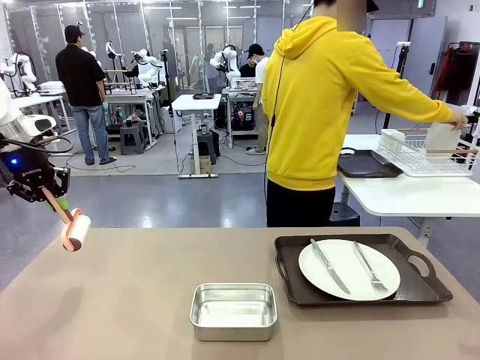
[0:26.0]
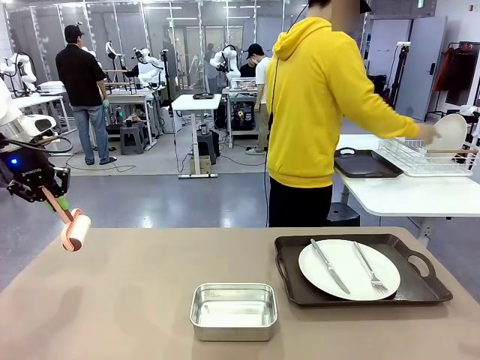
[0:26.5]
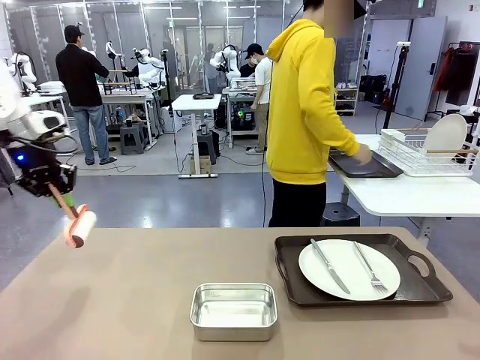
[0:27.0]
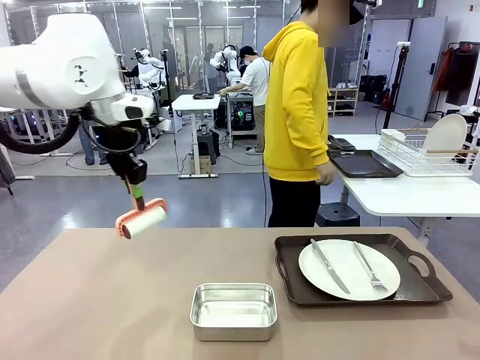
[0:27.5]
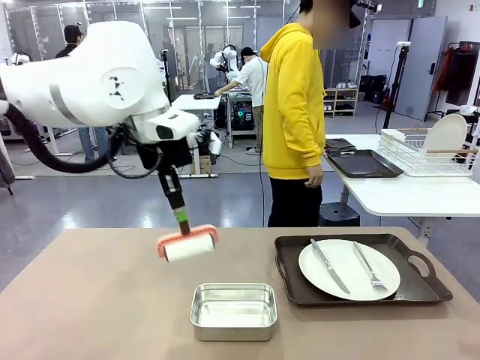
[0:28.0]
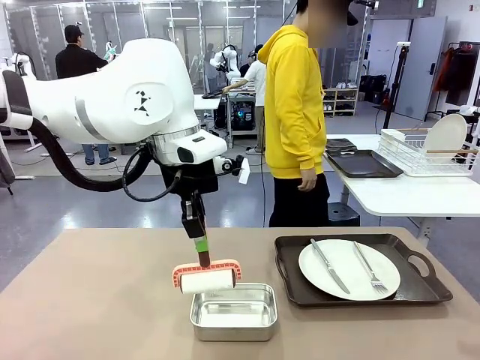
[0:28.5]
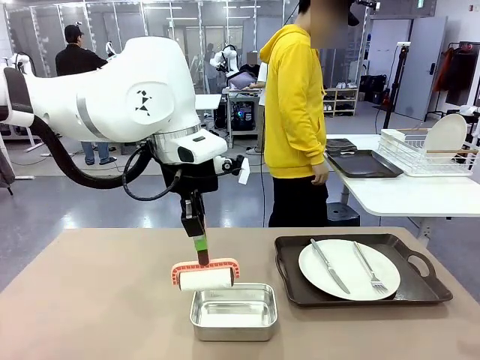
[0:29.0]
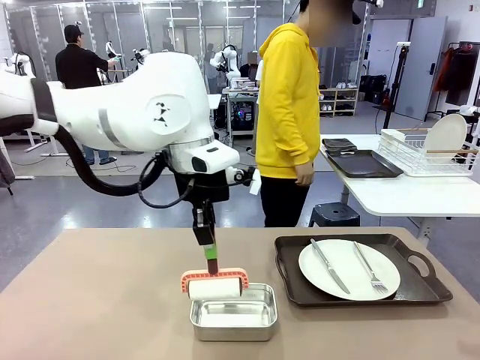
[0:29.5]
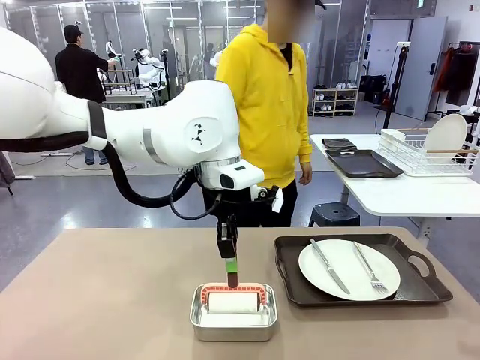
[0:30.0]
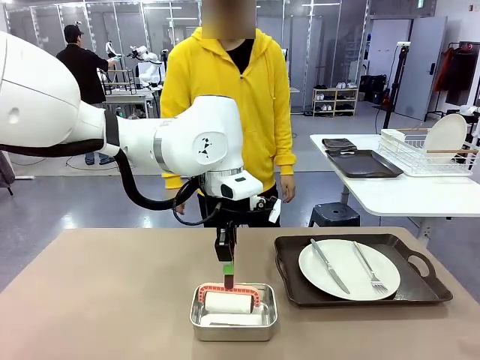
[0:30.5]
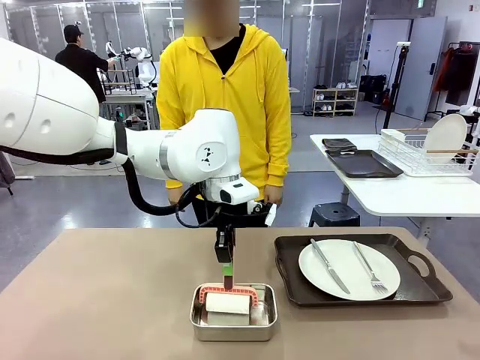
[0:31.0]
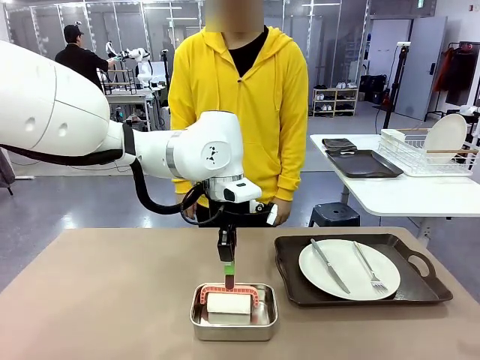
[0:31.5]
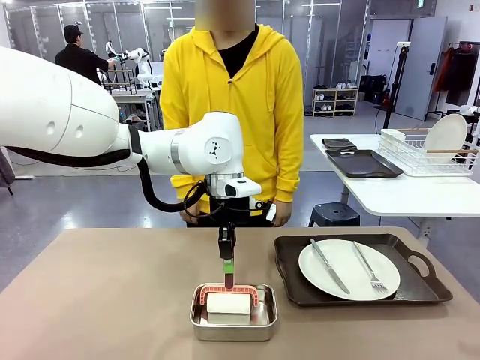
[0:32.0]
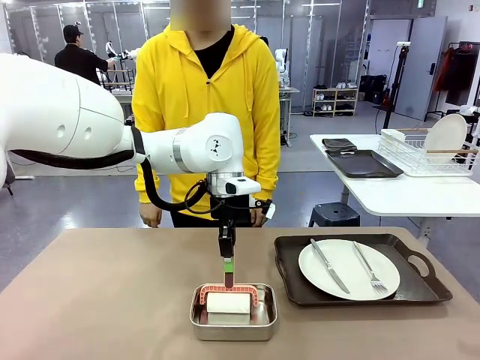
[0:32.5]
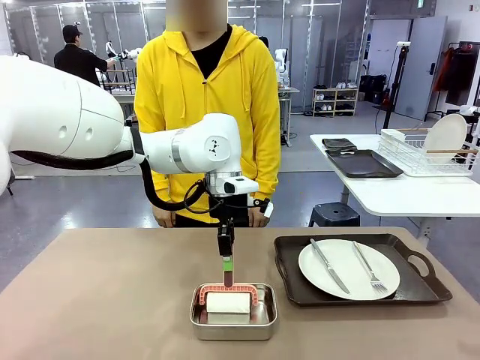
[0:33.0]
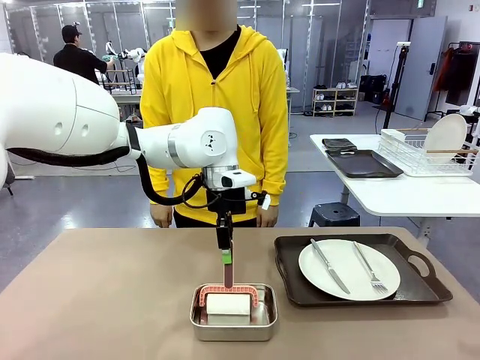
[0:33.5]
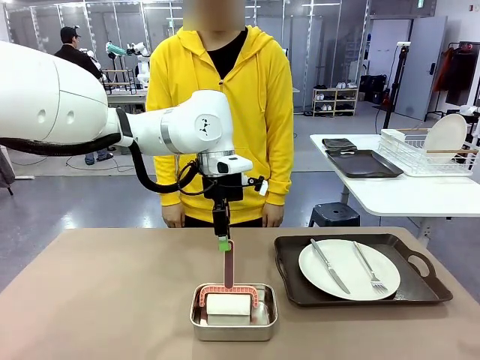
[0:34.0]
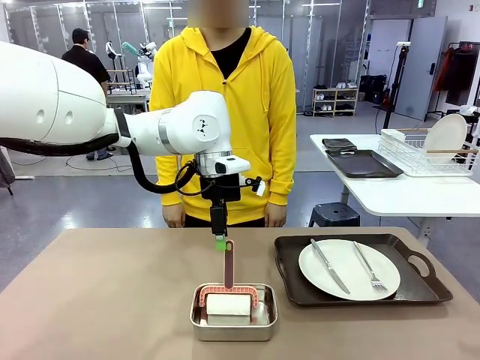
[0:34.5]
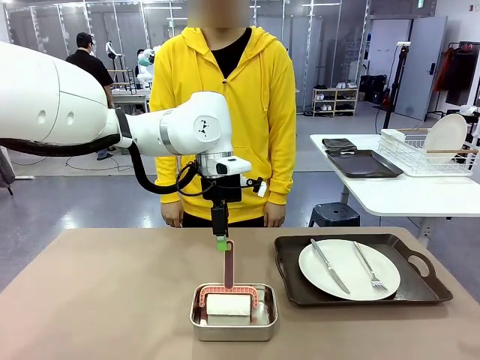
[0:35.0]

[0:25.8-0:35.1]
Robot: Place the Lint Roller back on top of the Airtight Container.

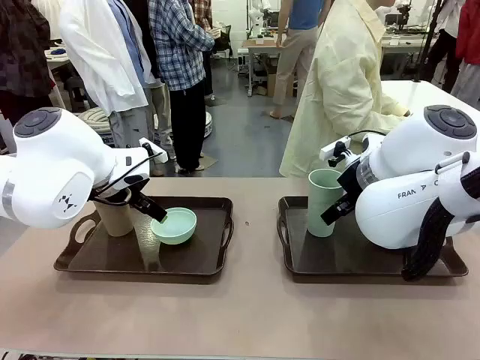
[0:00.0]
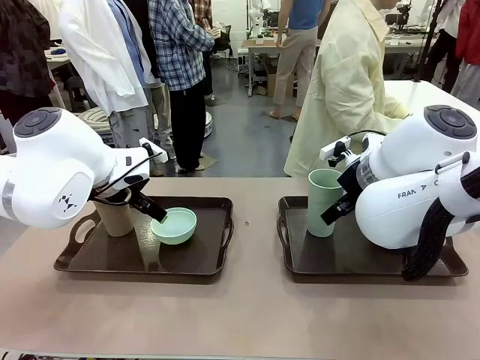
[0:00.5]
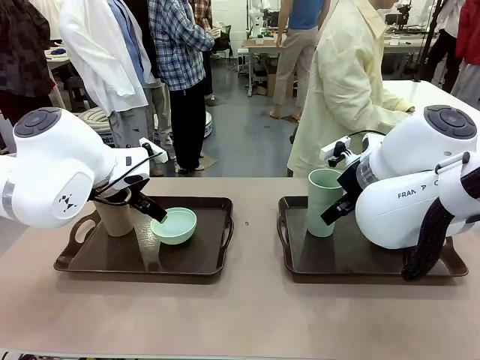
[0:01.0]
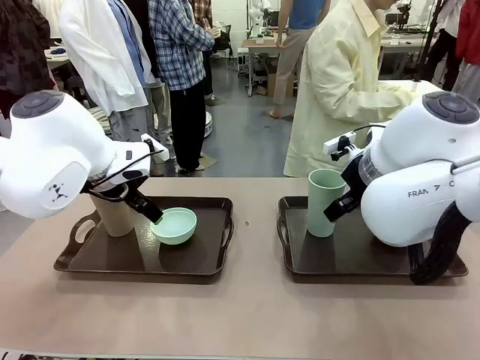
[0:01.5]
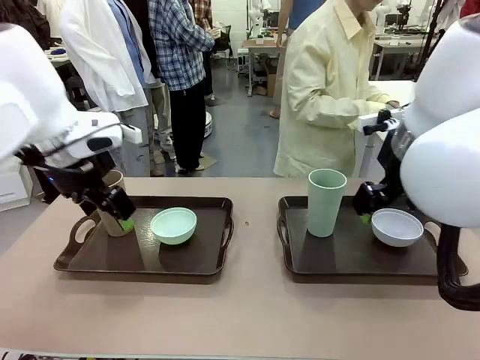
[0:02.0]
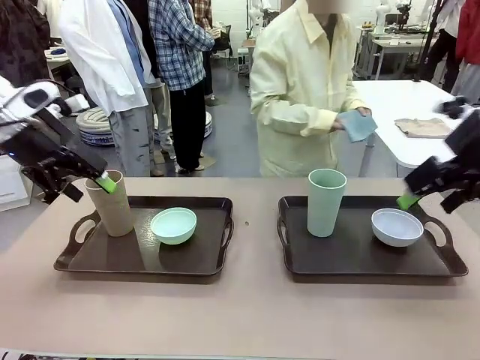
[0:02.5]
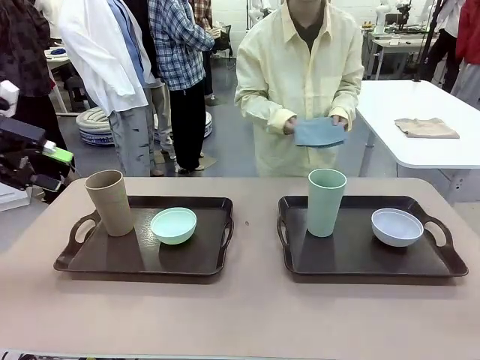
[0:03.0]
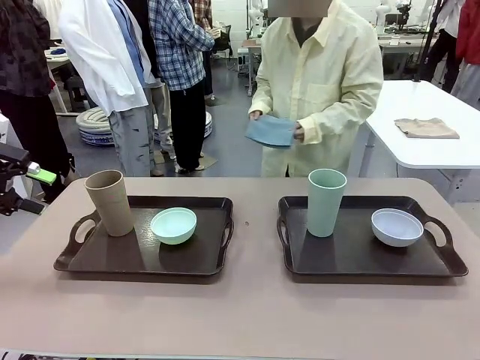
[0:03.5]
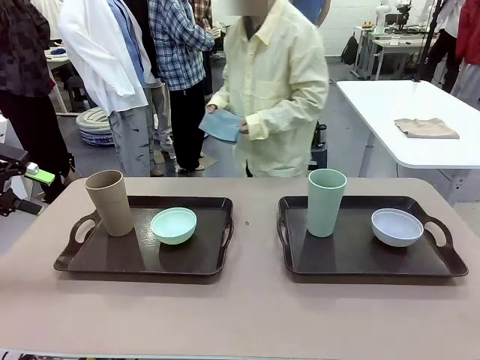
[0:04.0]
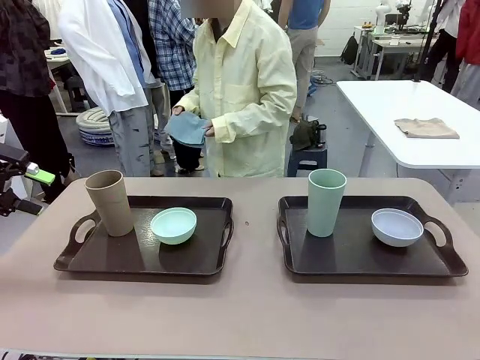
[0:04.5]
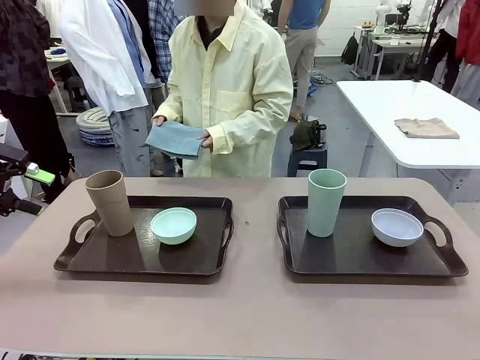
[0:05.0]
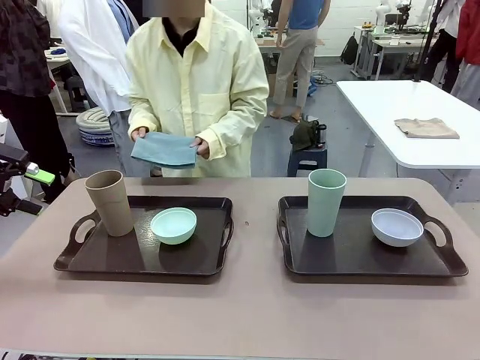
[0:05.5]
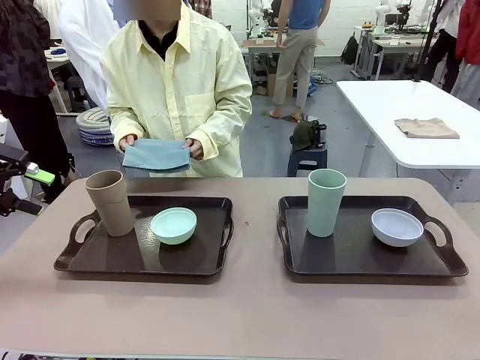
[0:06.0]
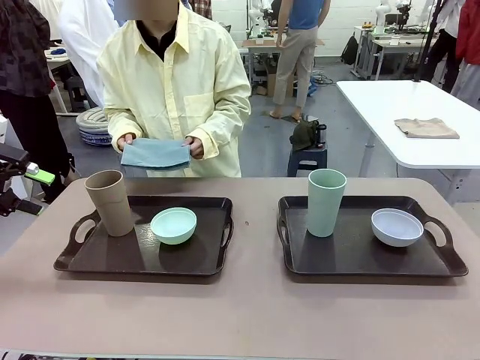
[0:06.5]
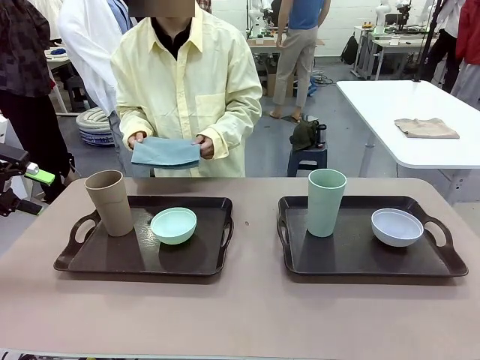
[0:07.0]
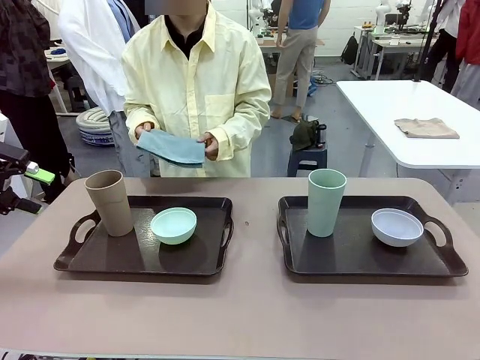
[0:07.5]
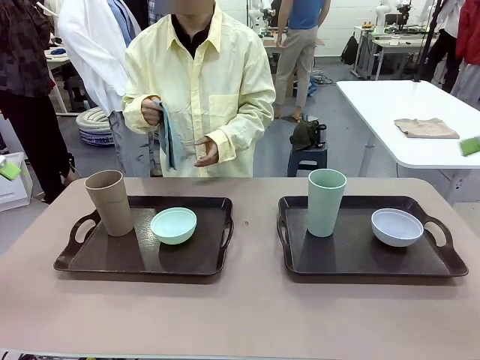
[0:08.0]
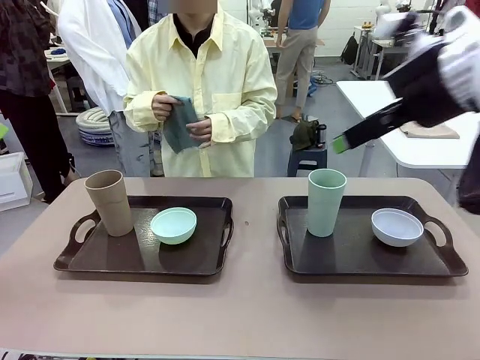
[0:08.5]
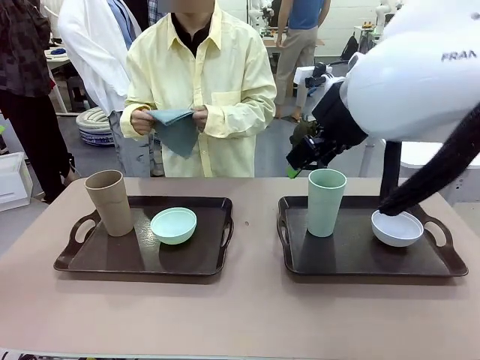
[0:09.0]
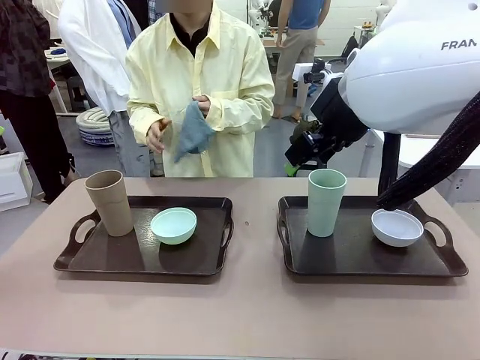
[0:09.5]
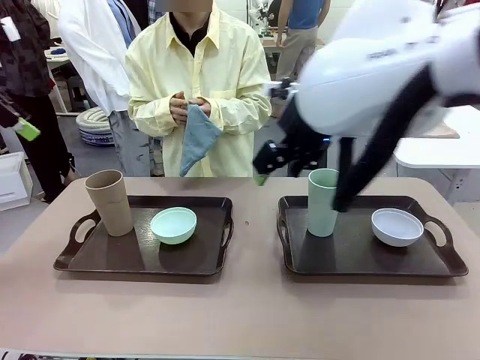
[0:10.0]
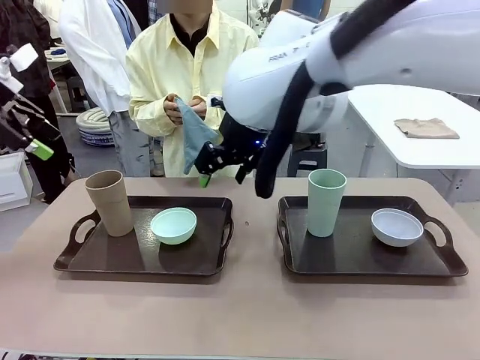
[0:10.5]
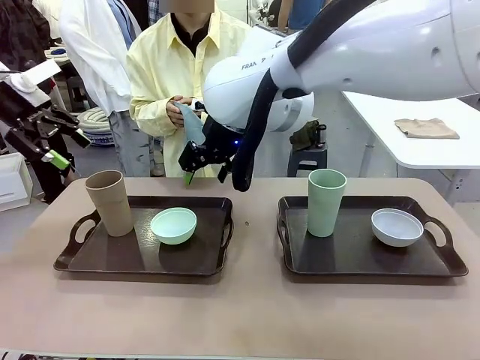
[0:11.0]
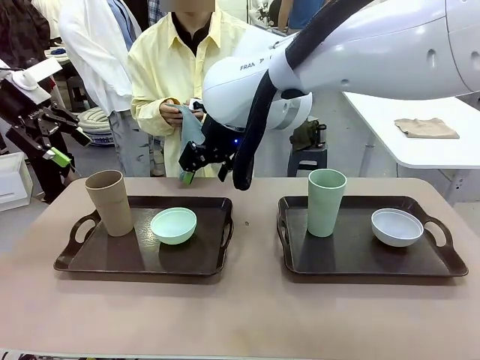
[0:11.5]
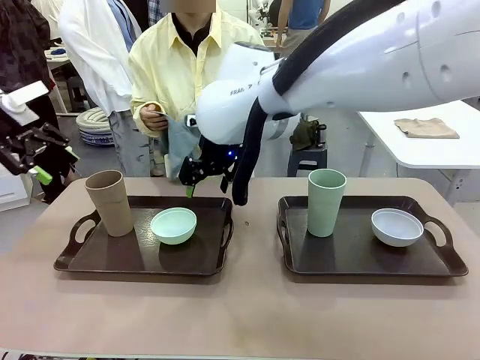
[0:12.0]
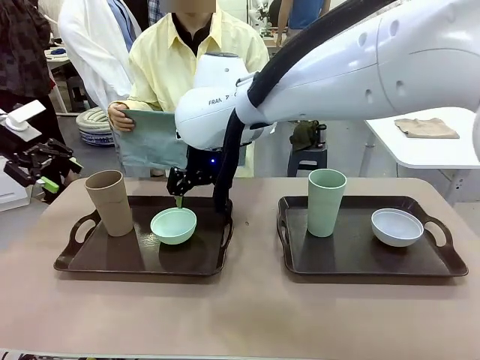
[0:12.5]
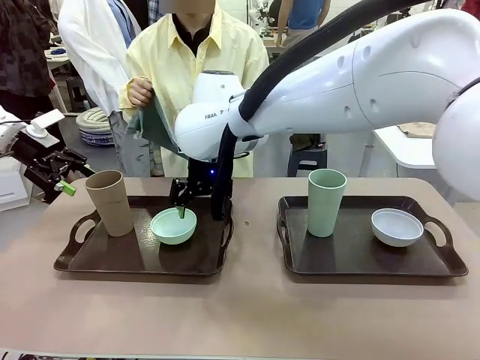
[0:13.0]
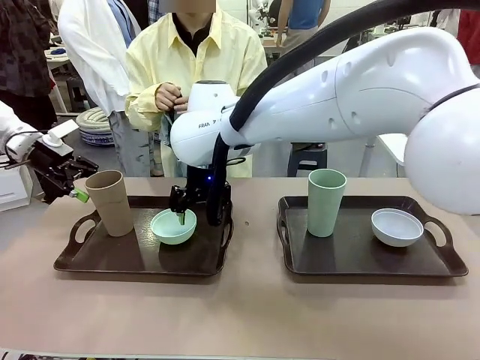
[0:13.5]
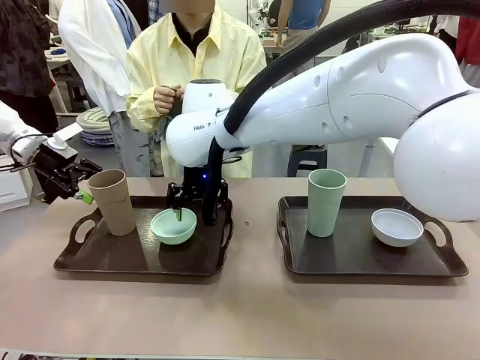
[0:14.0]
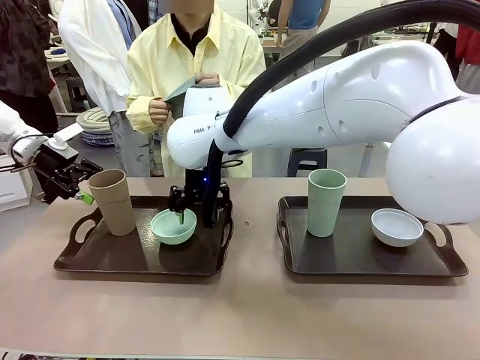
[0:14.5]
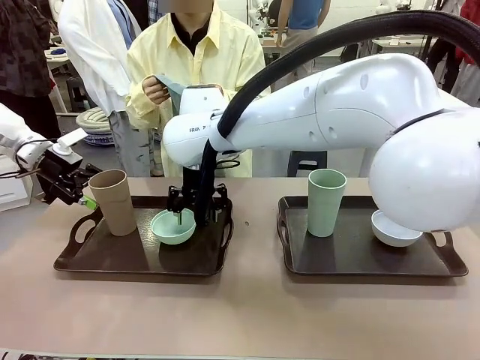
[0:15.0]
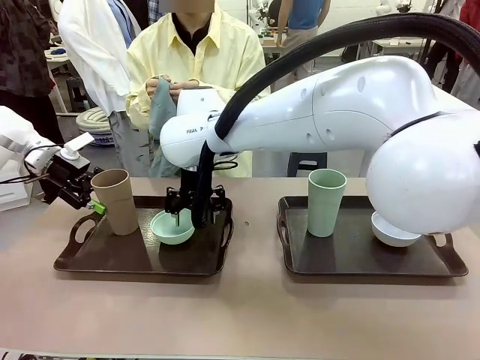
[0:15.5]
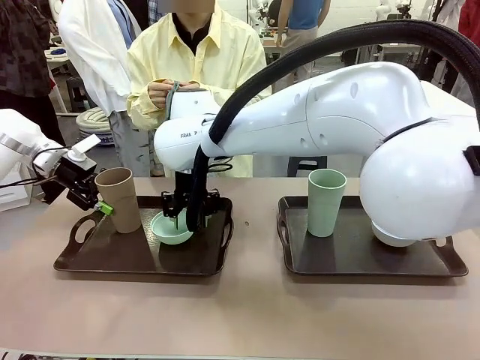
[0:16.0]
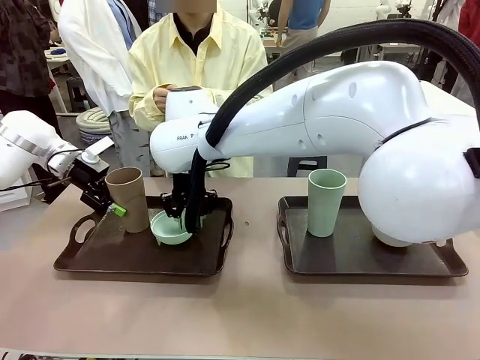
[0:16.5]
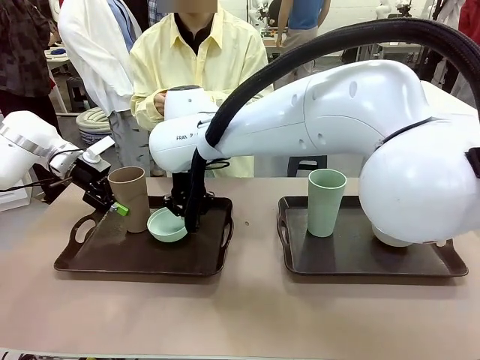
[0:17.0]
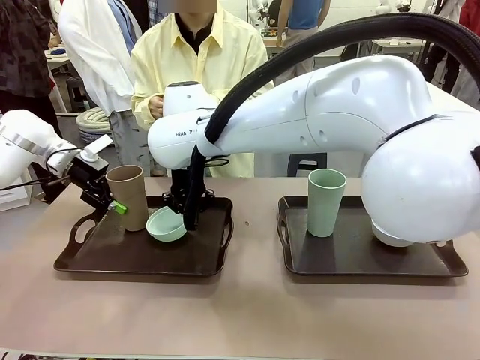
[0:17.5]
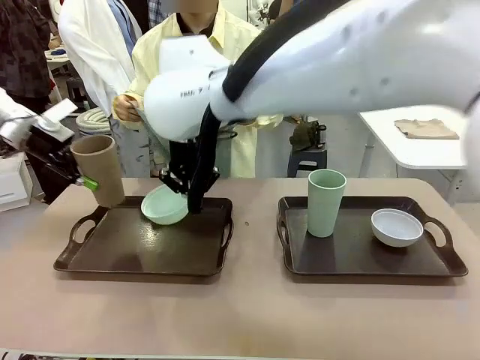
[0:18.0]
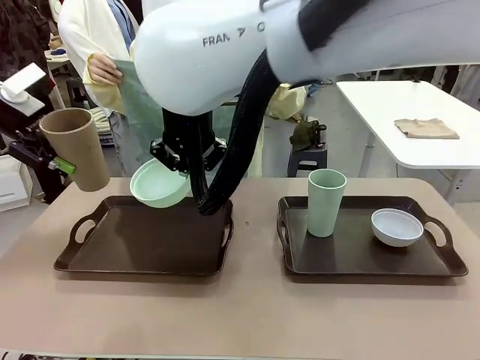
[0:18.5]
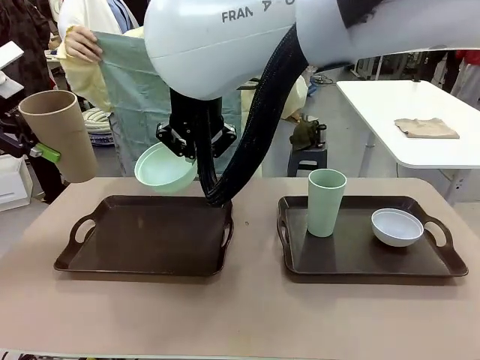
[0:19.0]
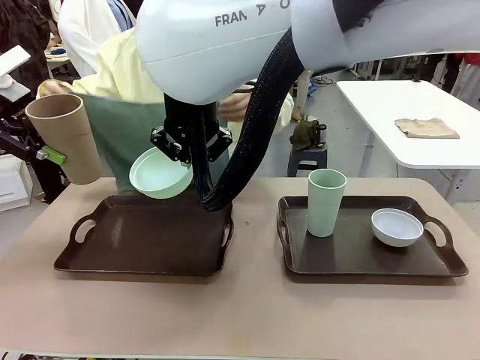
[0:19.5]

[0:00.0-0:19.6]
Robot: Pick up the Picnic Bowl and Reusable plastic cup from the Handle tray in front of the human's position and hold them in the air.
Person: The human picks up the top napkin from the stack on the human table and walks to the robot table to stand in front of one of the two trays. When the robot lifts the bowl and the cup, the human unfolds the napkin and lays the napkin flat on the tray.
